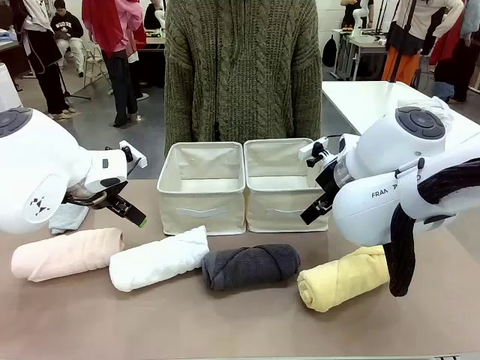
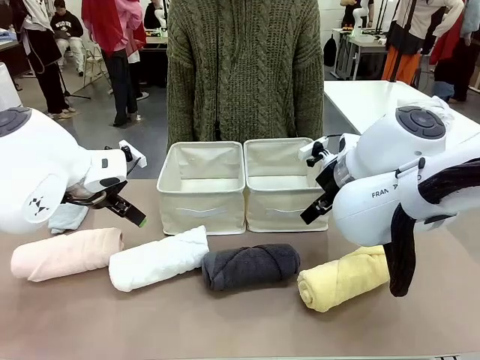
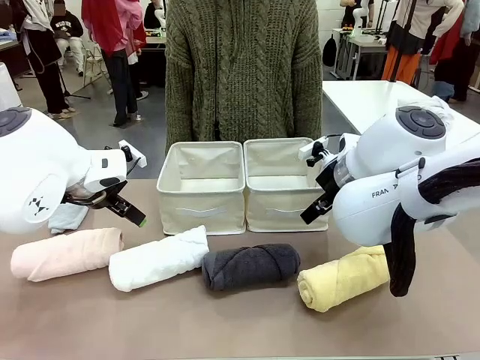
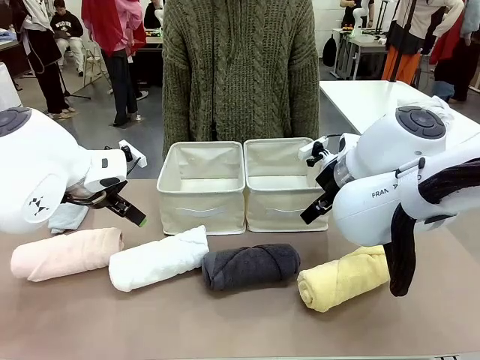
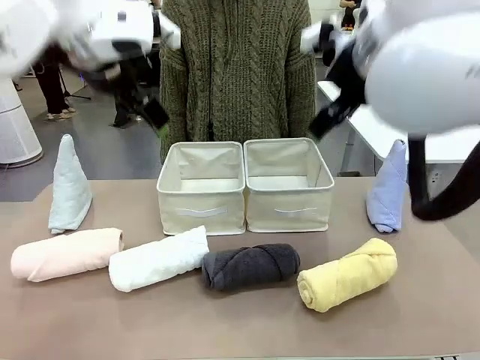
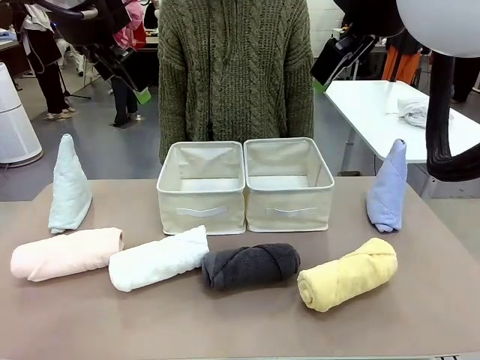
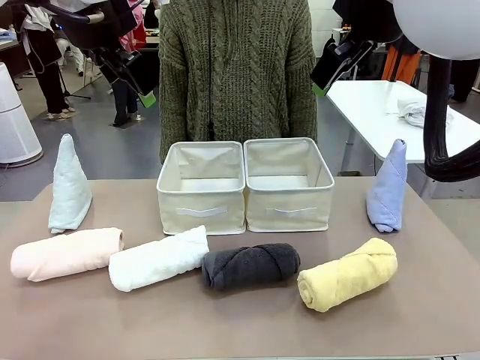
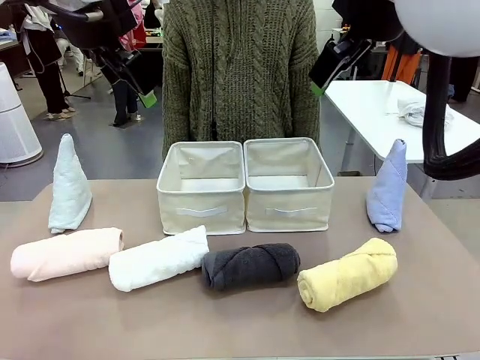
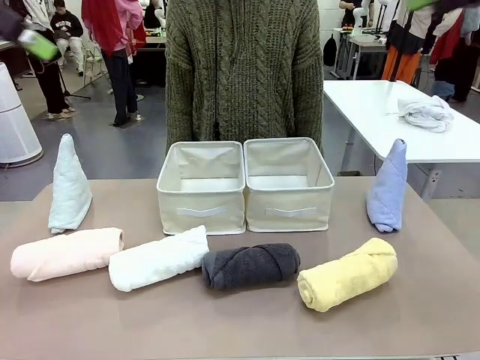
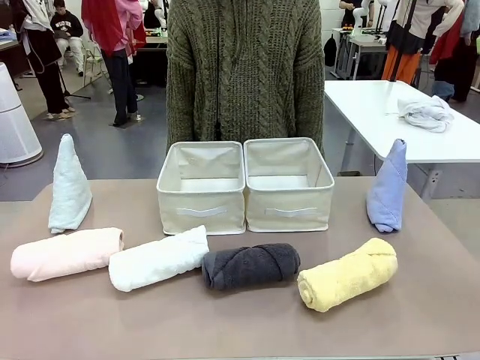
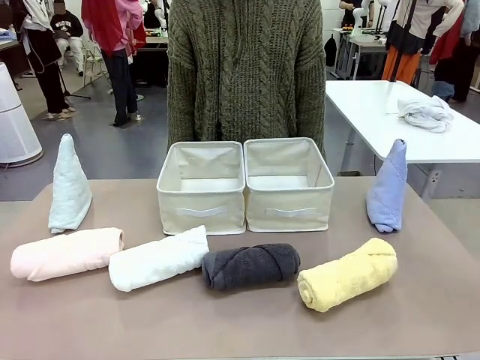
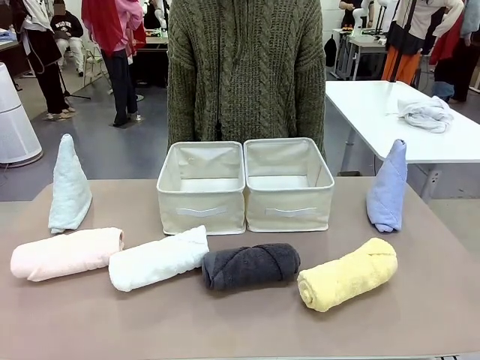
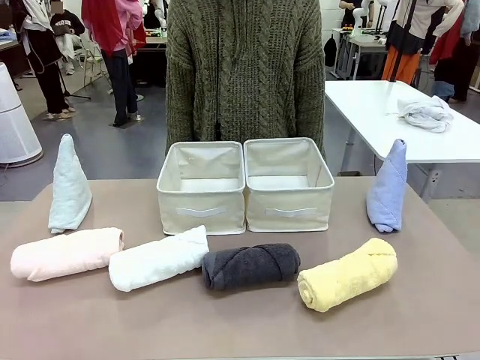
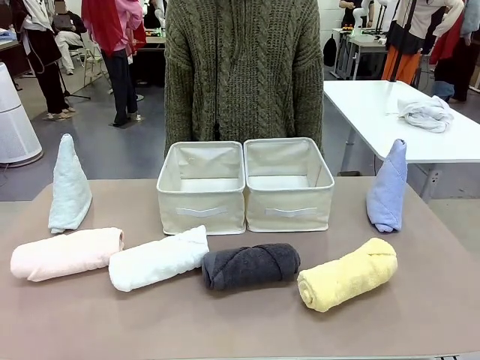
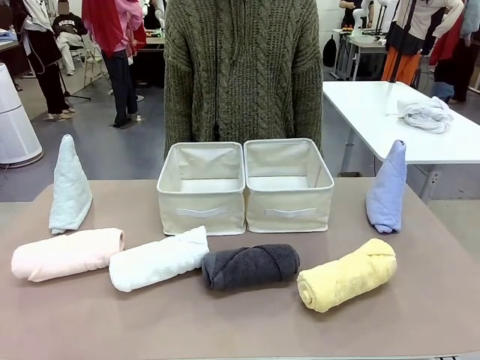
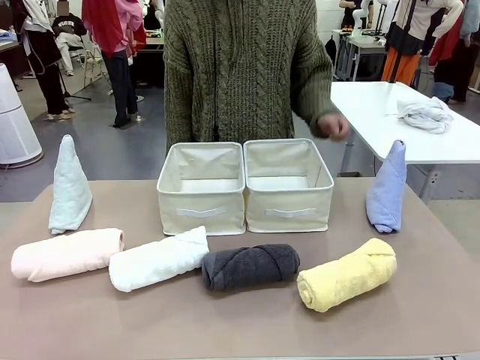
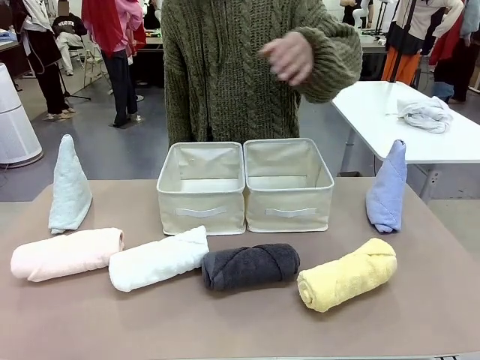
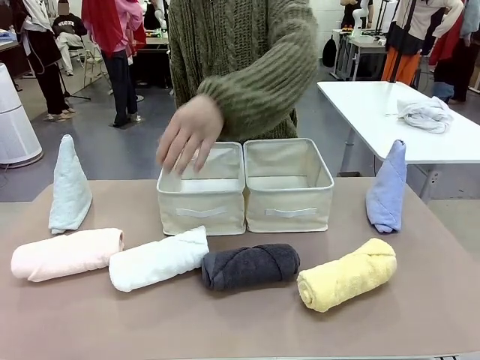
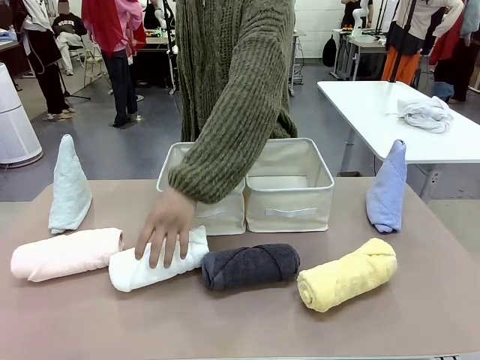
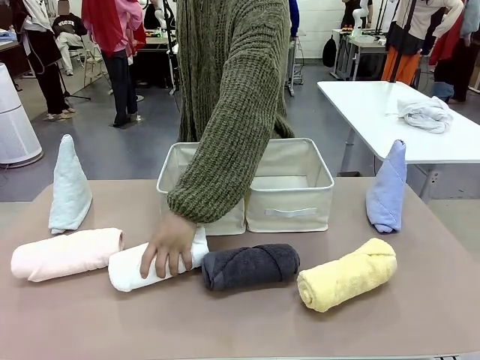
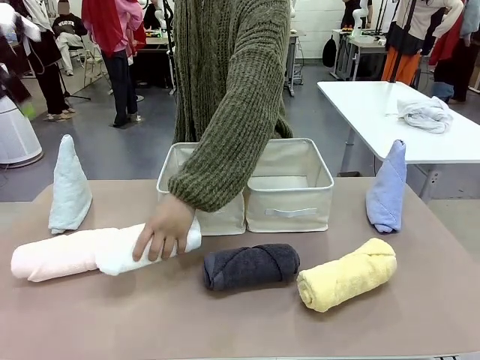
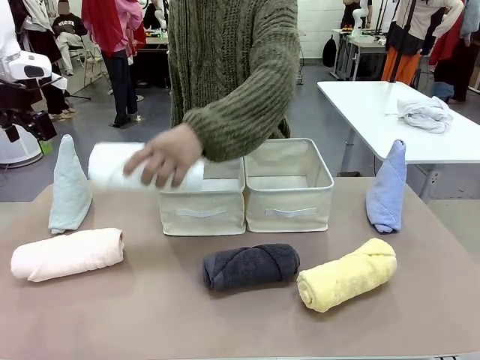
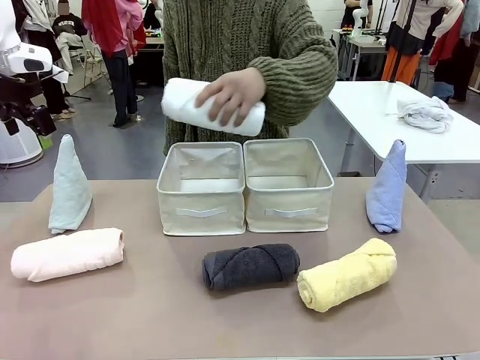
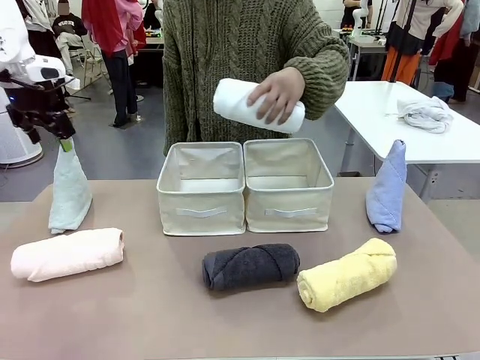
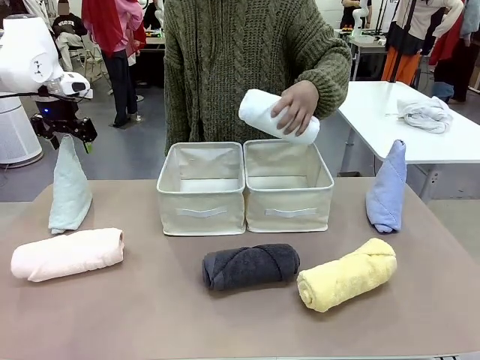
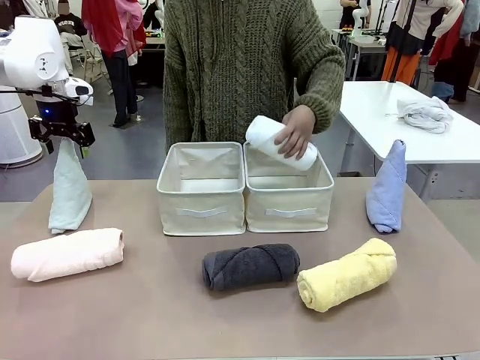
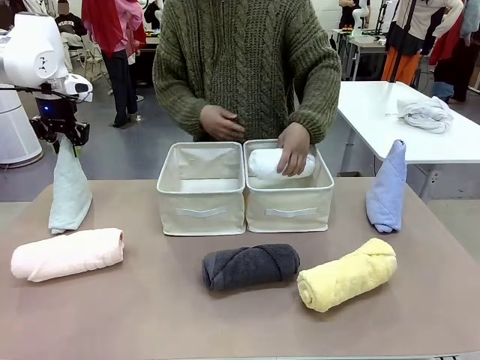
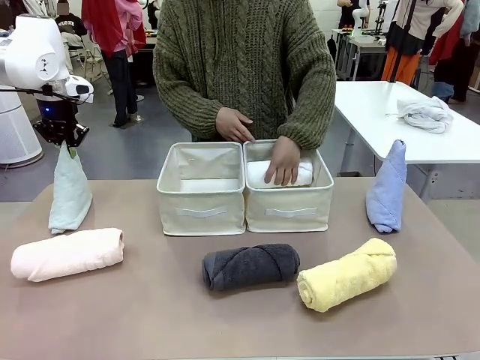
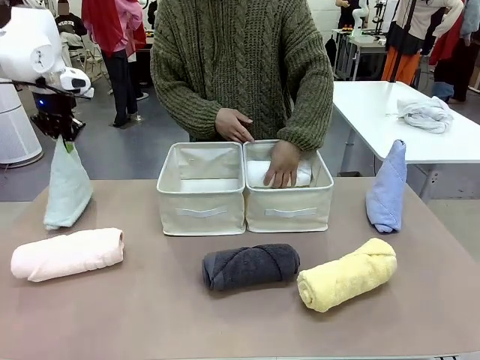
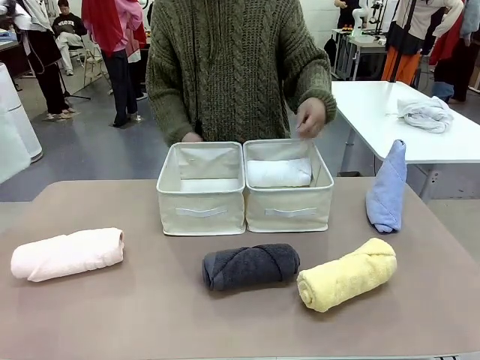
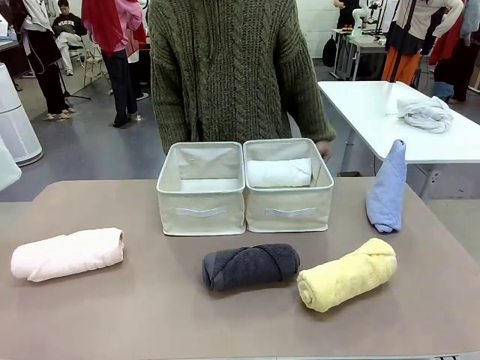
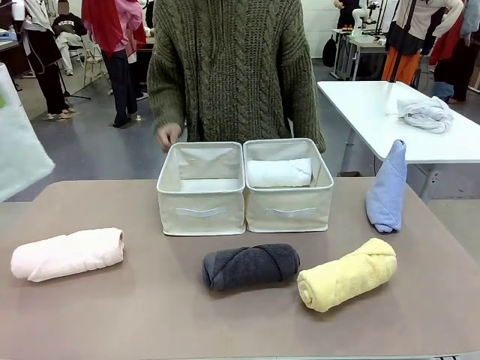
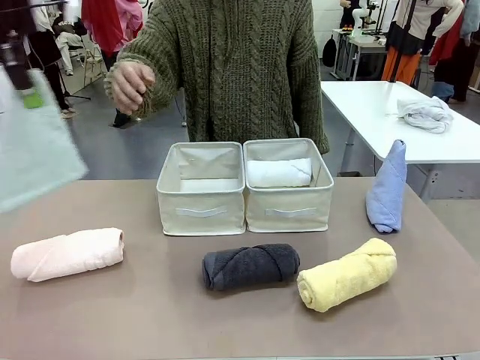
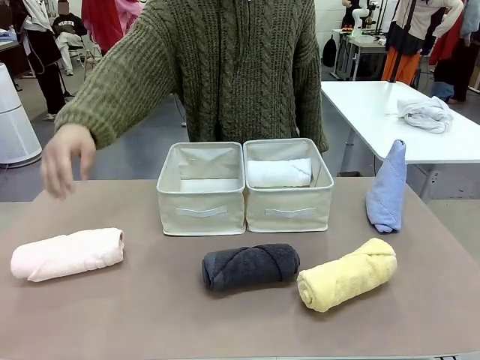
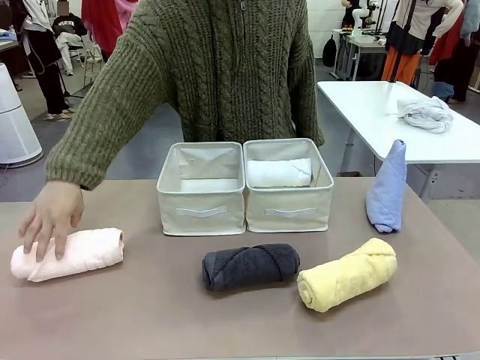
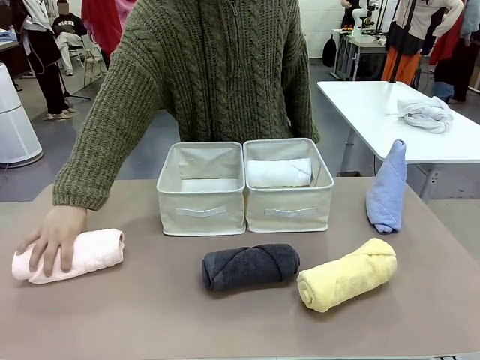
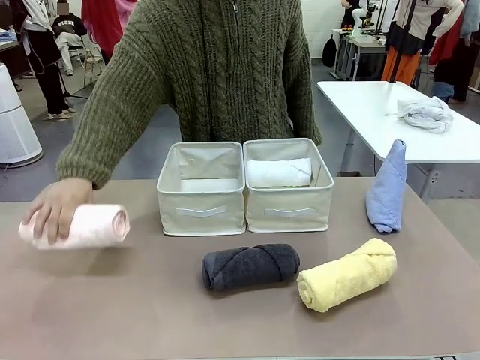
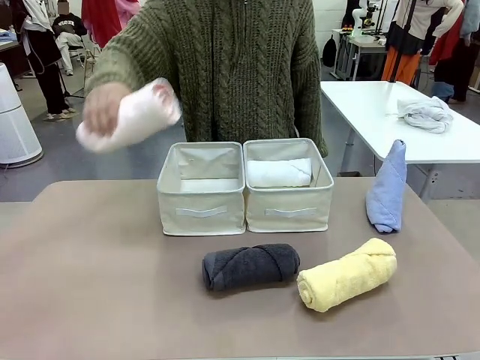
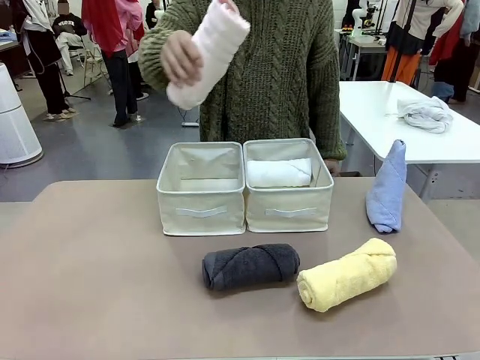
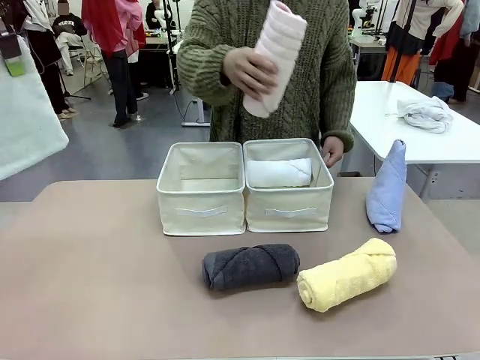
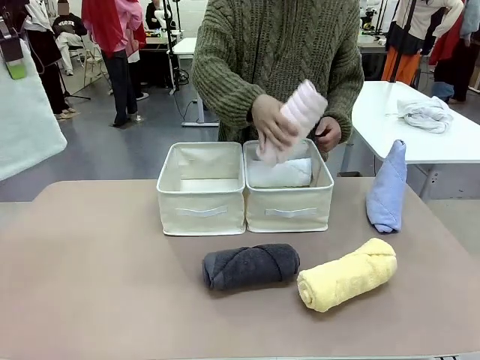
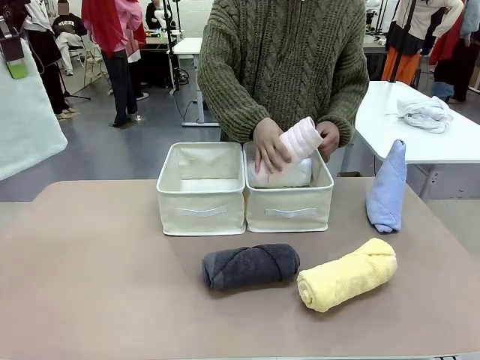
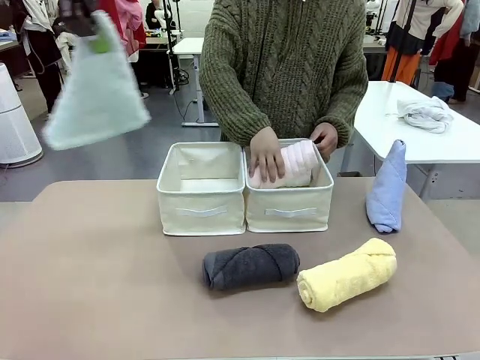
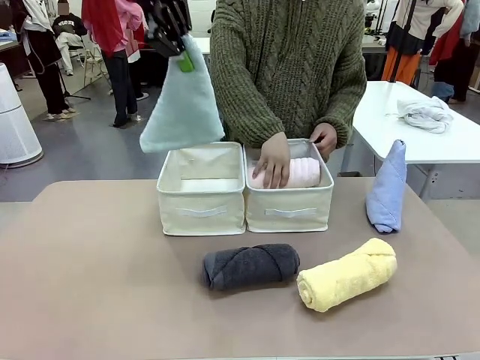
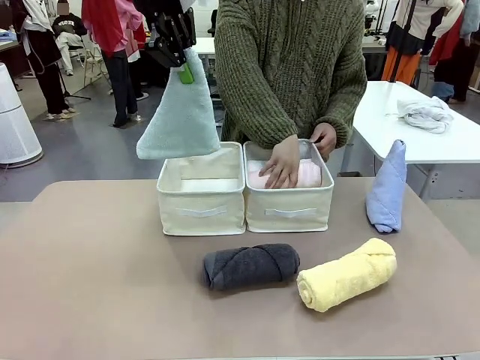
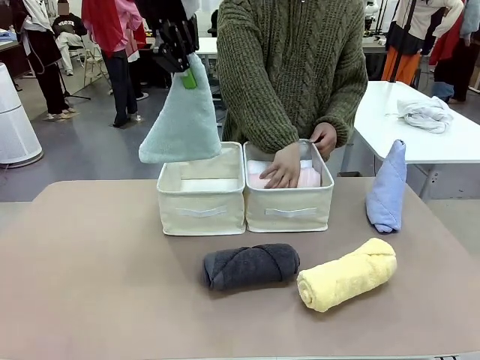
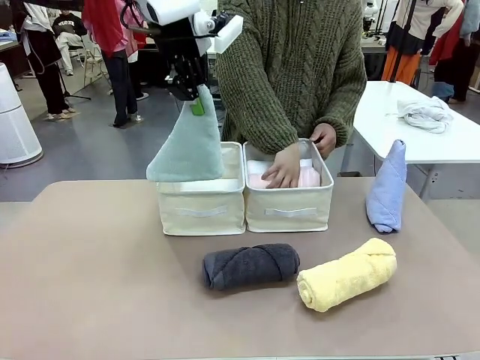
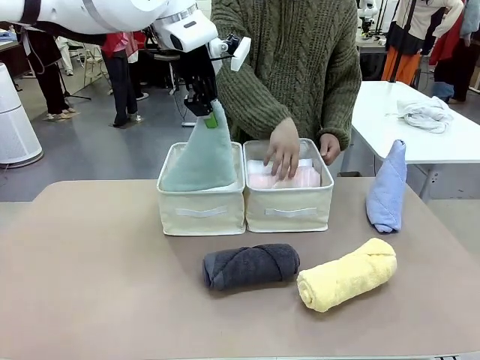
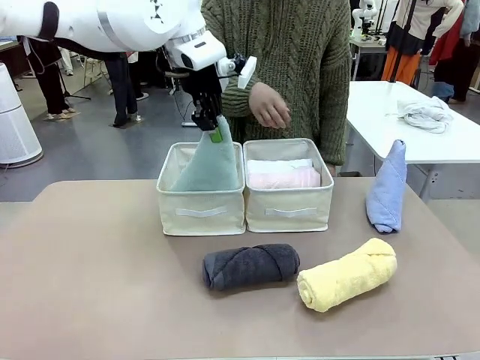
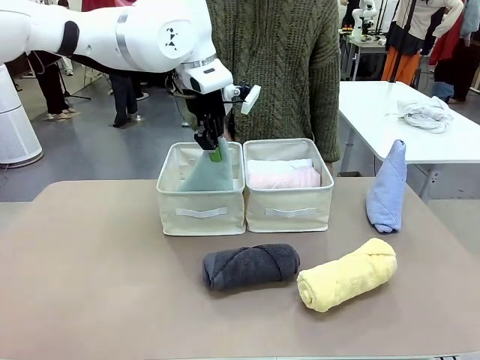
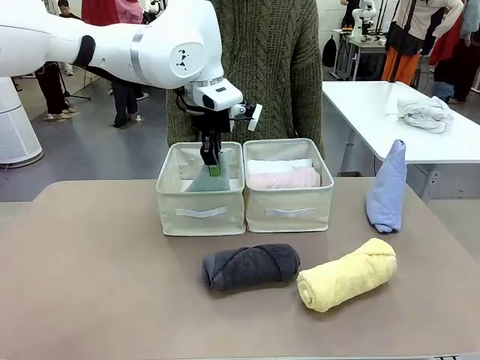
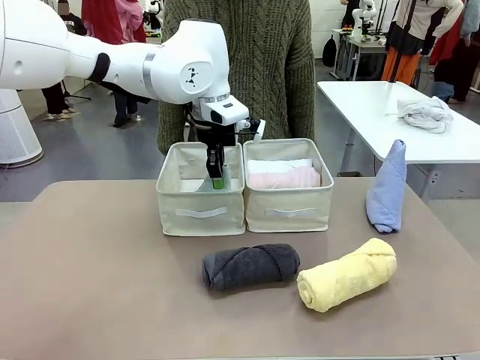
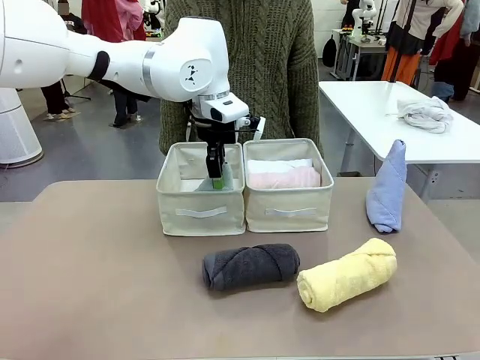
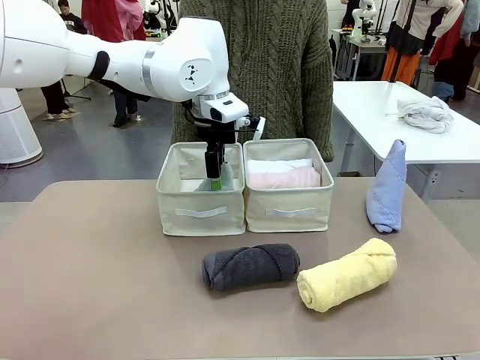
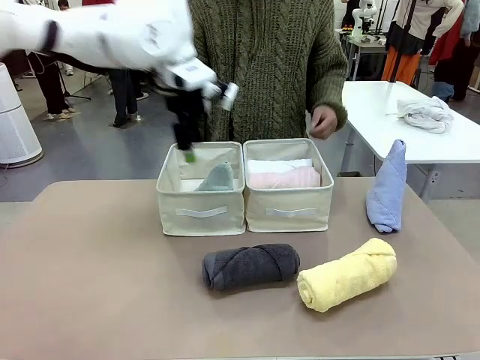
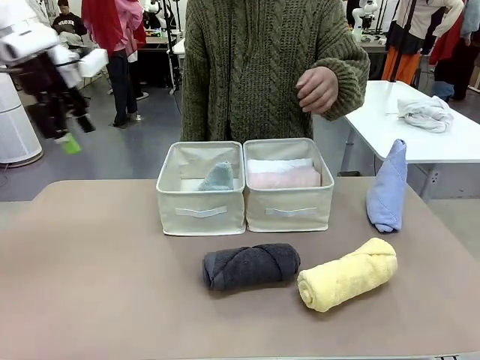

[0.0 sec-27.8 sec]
Task: Sort the towels based on their folding style.
Robot: Pick up one triangle-folded towel and place it in the left Fabric basket.
Person: Pick up one hotel-style rolled towel and place it in the left fabric basket.
